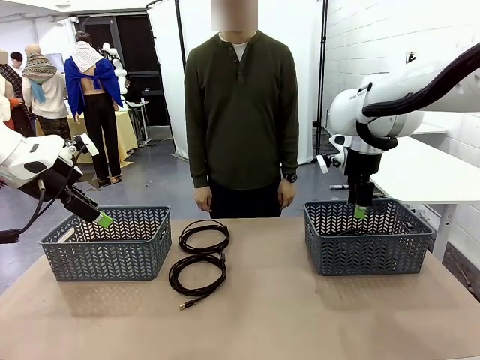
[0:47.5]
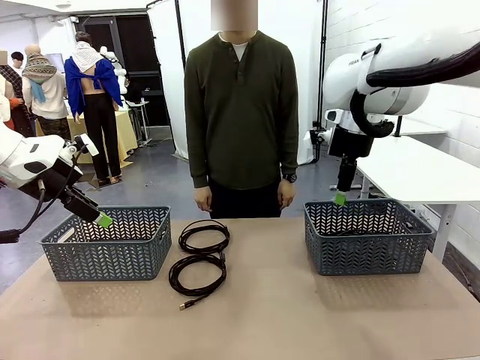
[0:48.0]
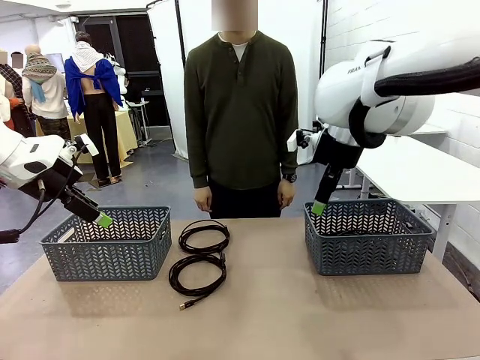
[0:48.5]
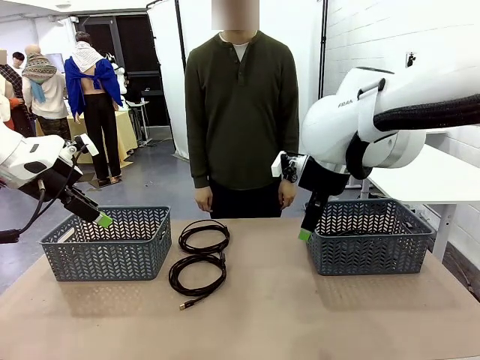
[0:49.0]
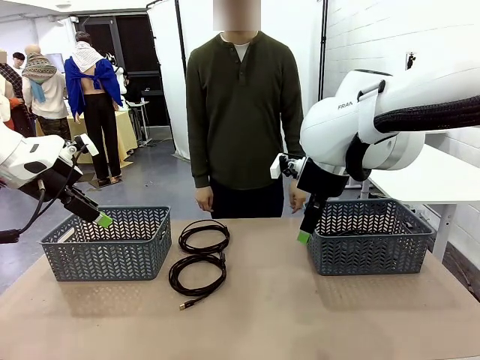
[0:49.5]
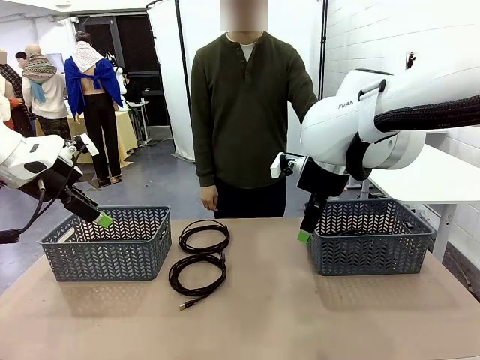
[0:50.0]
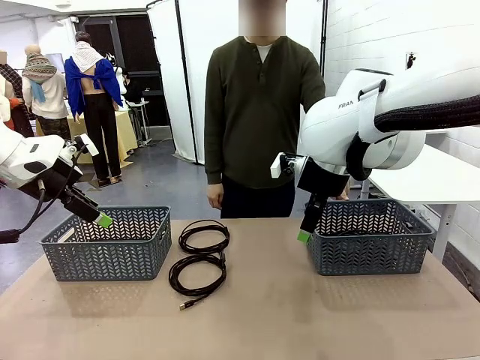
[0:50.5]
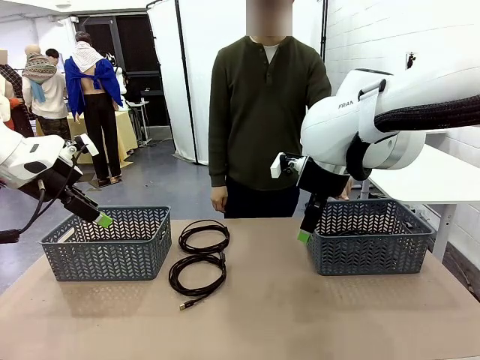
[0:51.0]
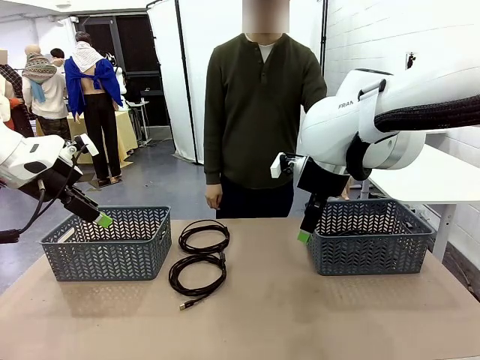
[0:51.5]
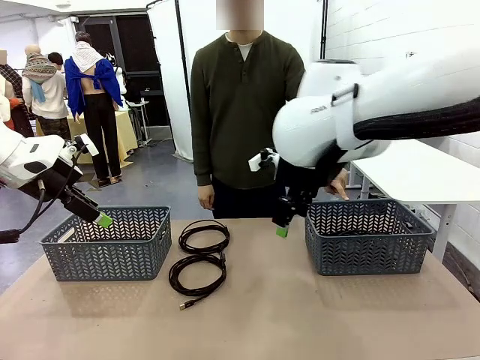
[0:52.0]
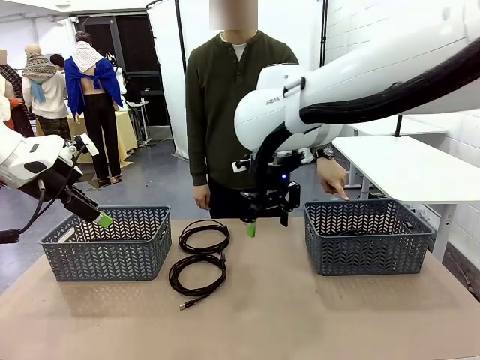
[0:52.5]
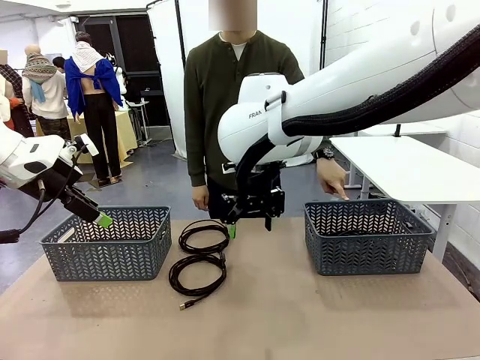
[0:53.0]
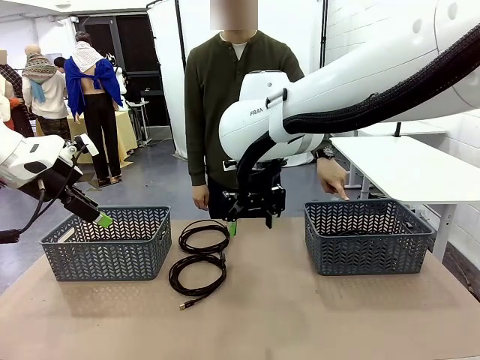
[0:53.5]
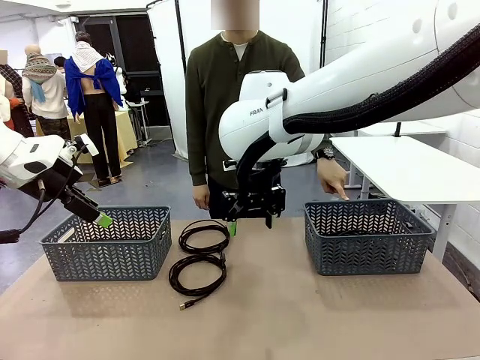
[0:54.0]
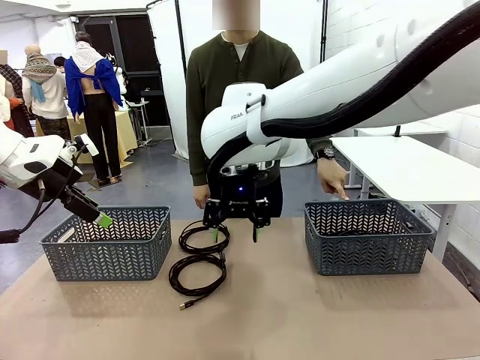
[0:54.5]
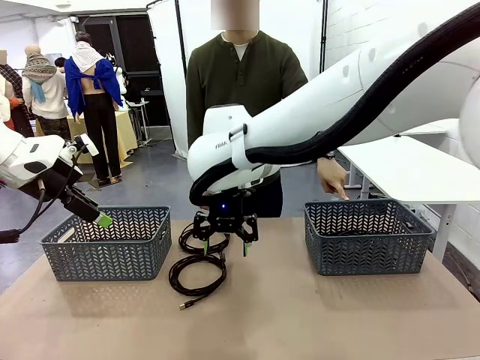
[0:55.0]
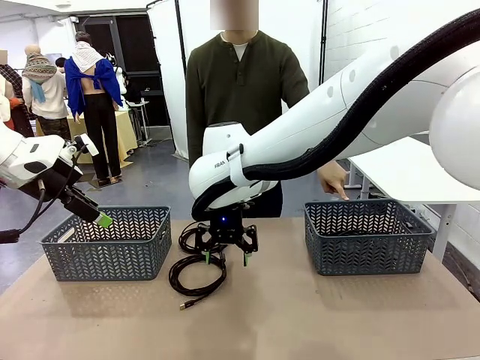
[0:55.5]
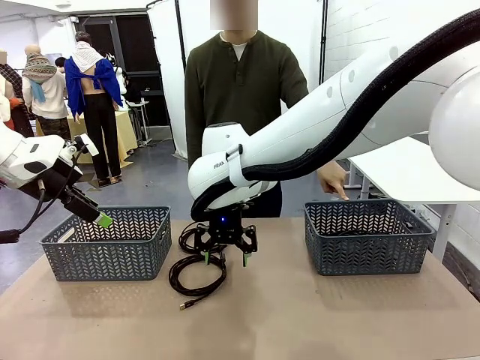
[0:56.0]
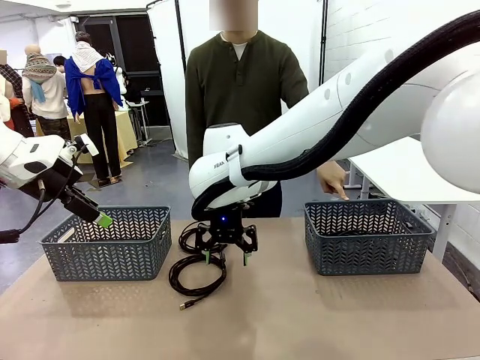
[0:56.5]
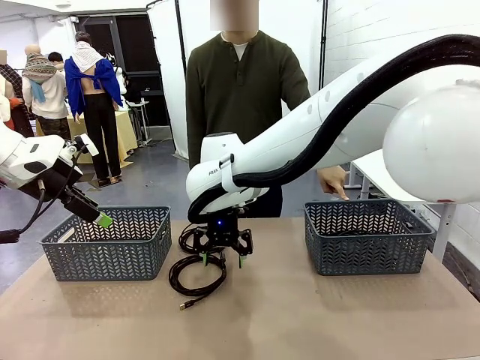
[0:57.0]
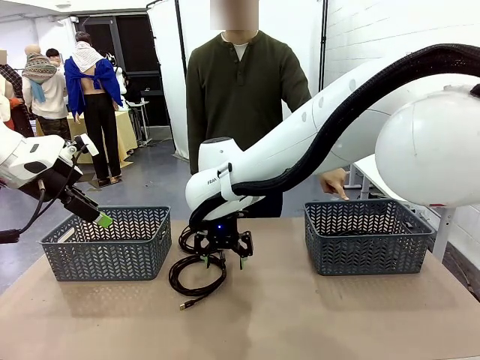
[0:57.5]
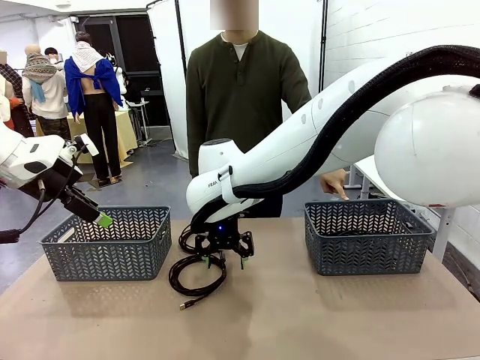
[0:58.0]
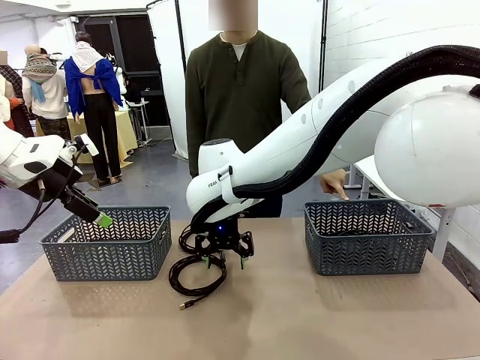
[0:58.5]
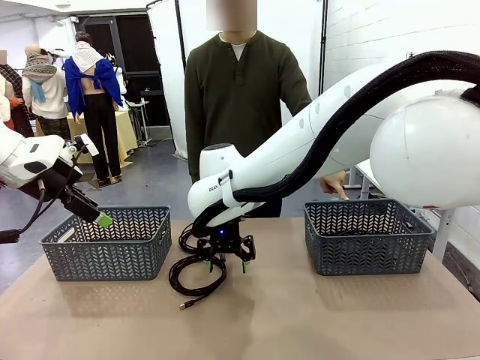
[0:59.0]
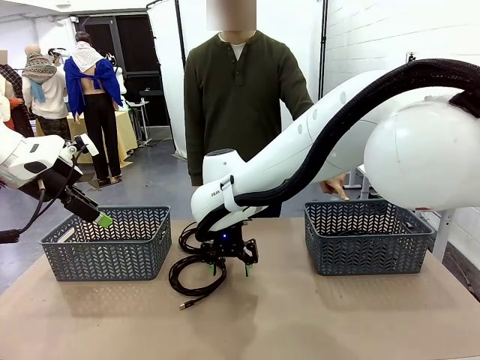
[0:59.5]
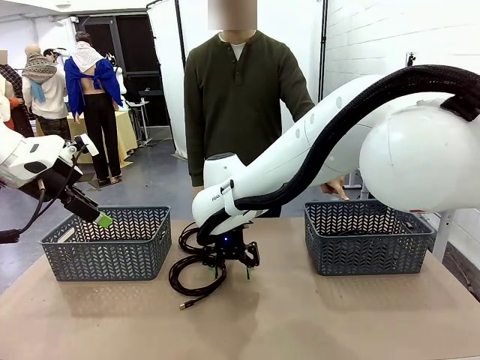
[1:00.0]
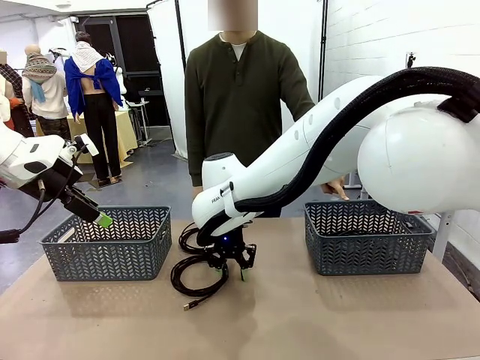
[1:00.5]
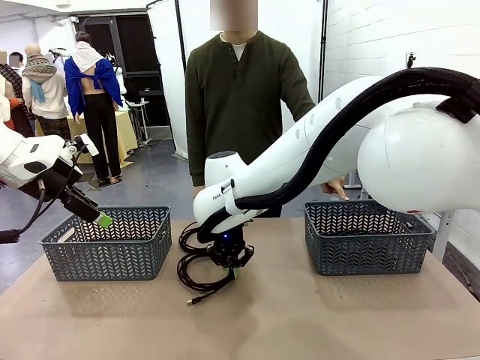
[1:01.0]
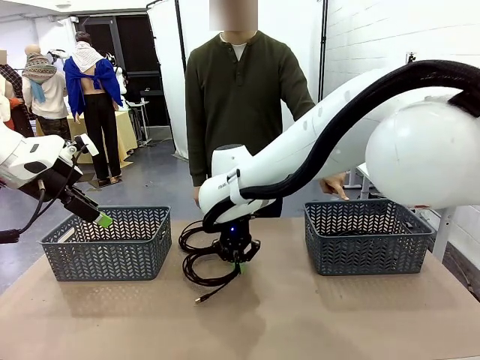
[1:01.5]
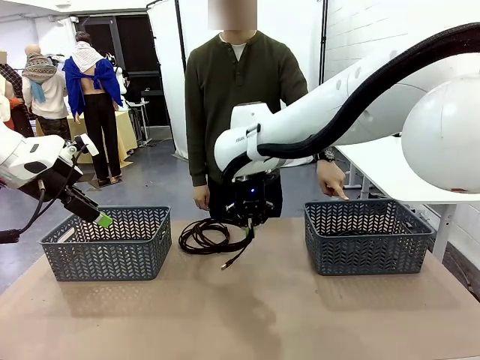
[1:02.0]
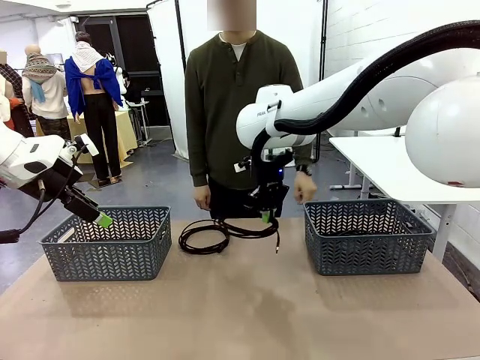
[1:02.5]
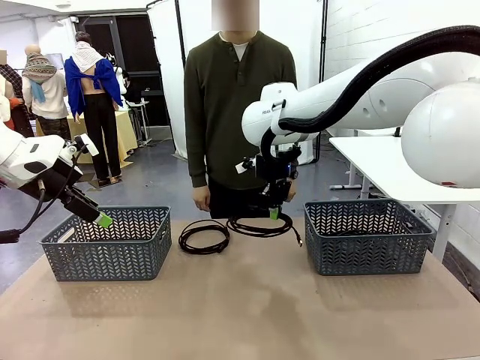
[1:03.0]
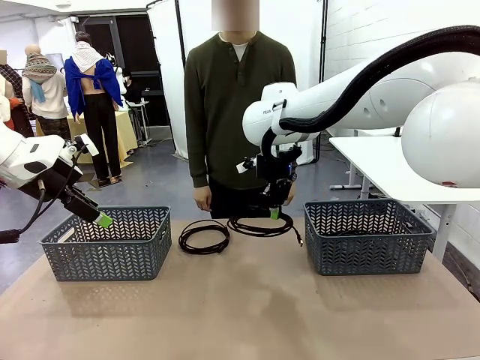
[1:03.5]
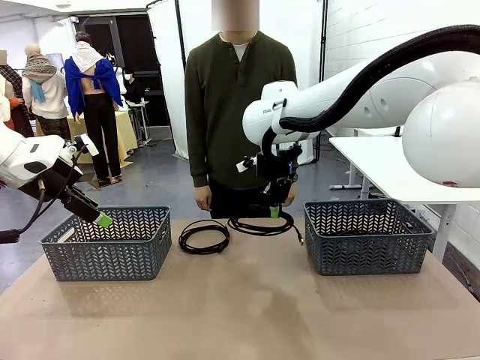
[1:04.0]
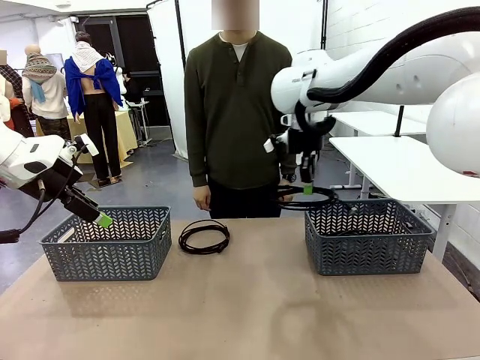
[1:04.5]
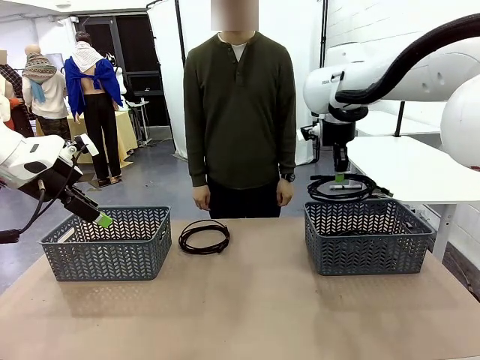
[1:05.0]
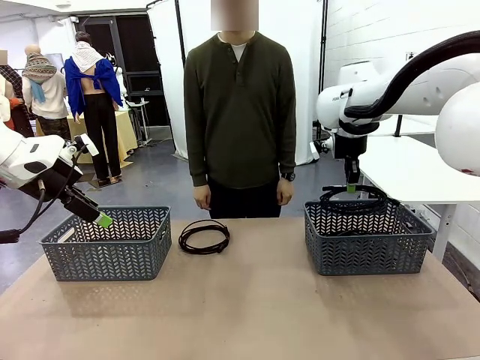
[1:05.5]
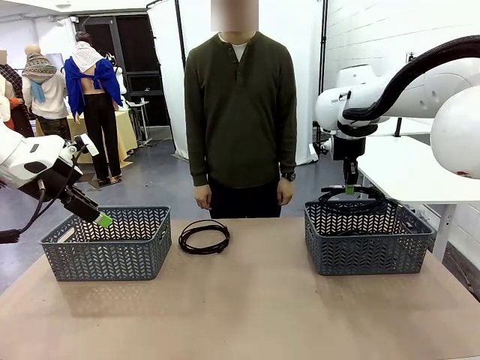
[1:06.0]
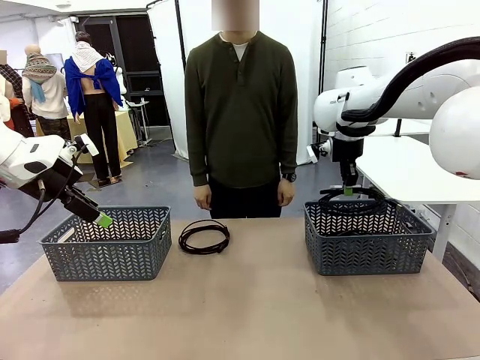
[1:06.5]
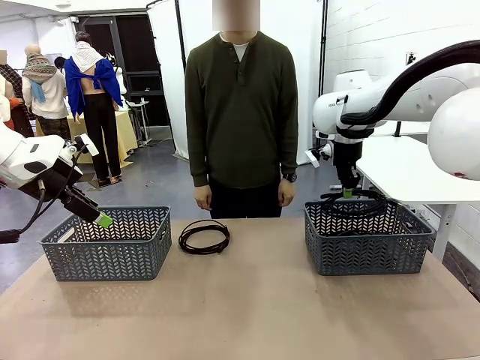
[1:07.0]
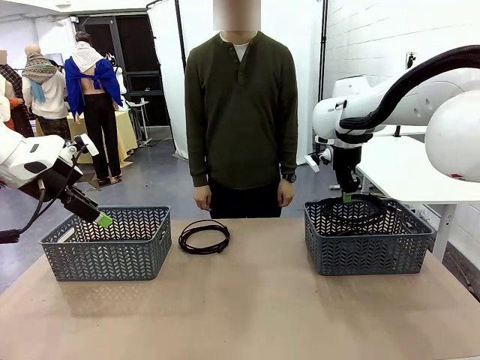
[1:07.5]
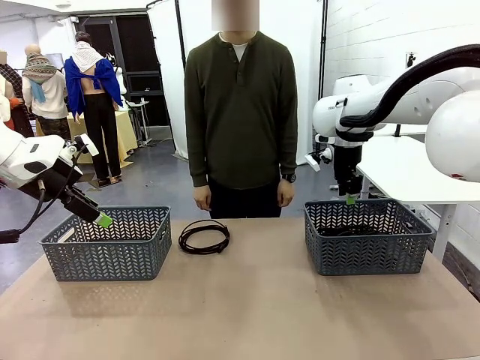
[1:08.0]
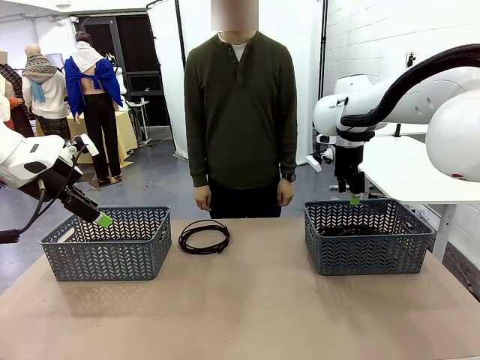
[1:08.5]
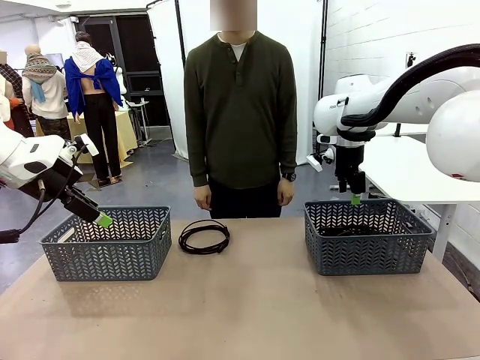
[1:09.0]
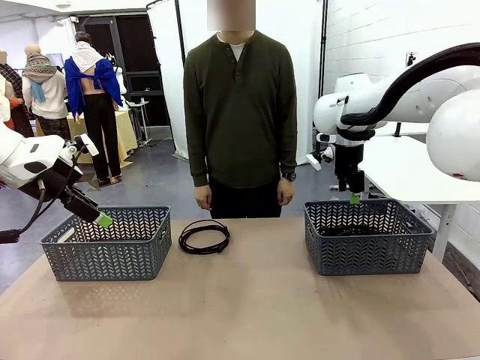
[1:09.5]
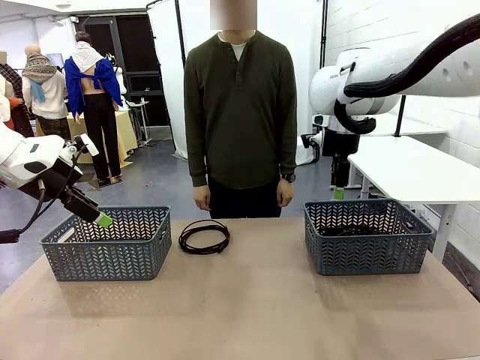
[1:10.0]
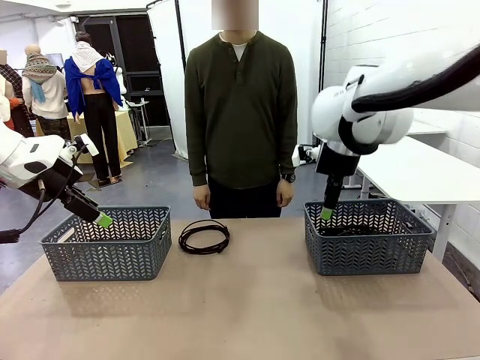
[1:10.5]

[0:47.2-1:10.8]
Task: Organize the cables according to human instructions.
Robot: Pick up a bundle of cables and place it in the basket indicated by the human.

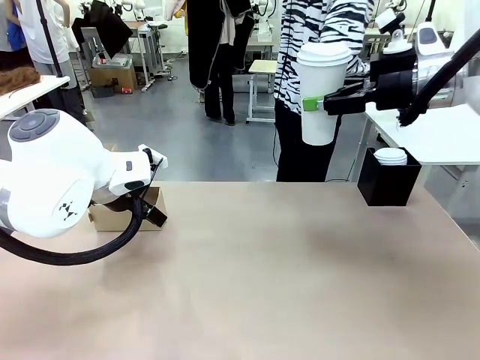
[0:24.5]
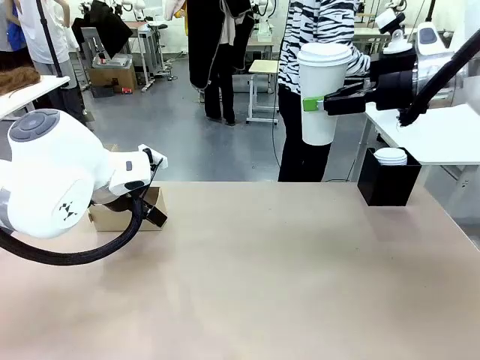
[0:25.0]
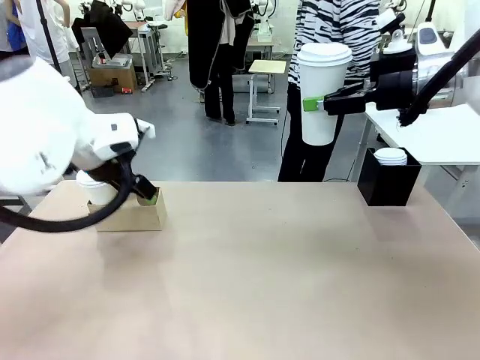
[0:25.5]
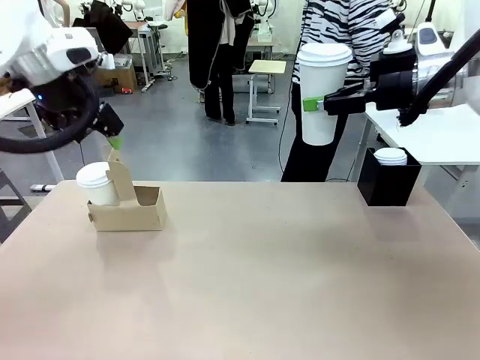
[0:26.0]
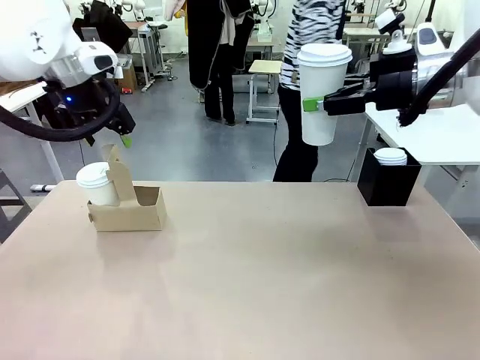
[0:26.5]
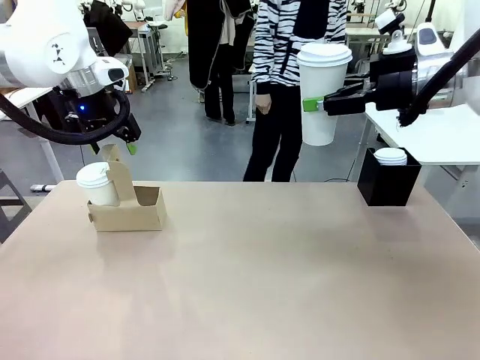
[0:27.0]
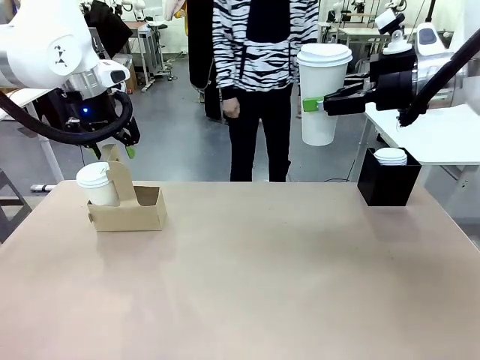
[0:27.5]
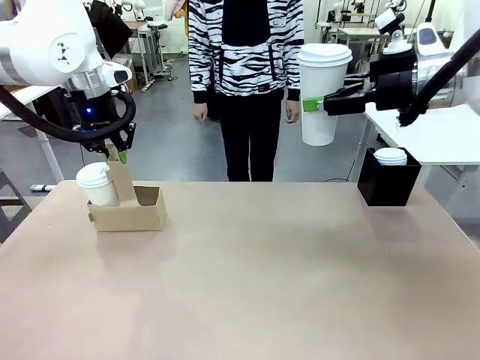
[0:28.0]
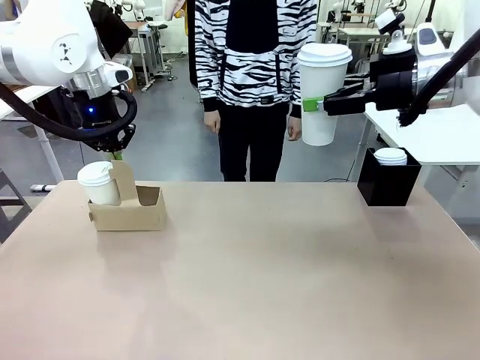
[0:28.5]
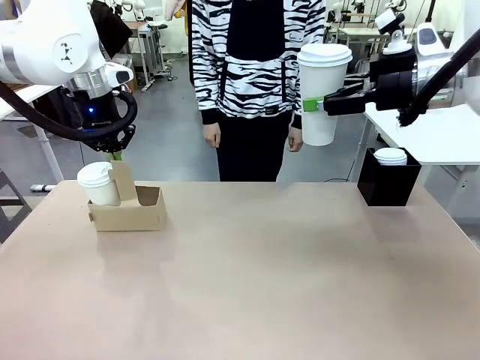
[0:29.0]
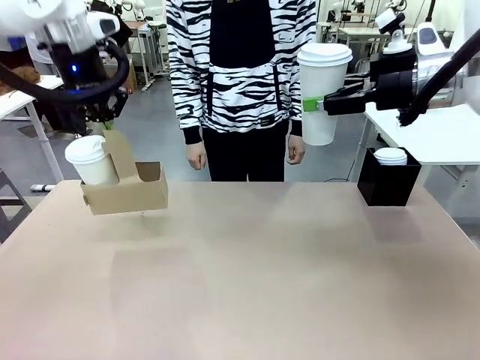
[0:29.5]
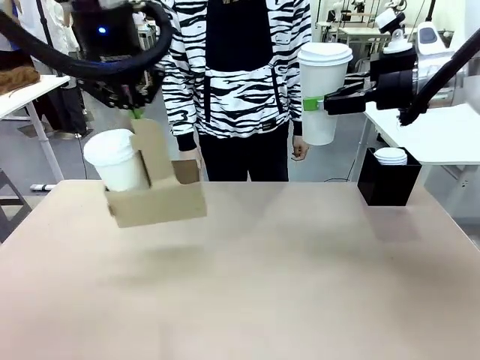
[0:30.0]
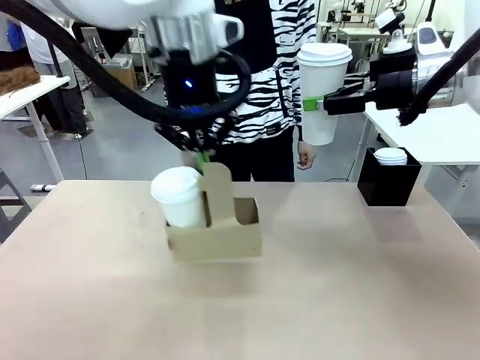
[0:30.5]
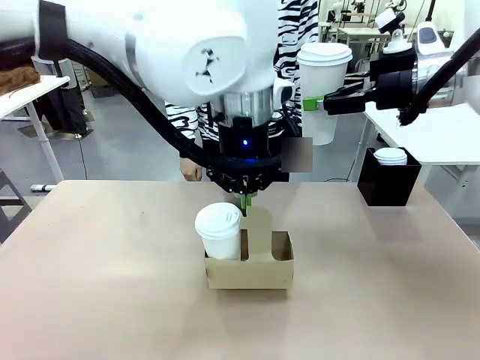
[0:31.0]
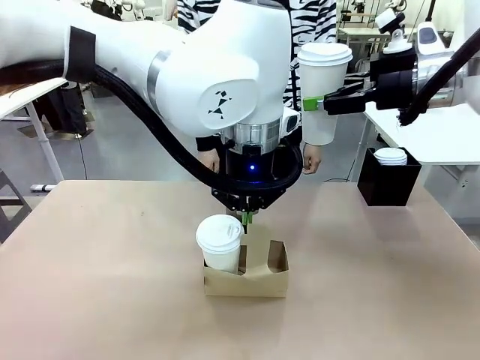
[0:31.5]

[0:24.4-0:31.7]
Task: Pour a drink into a cup and package it in a carrier.
Robot: Position the Cup Carrier in the center of the table.
Person: Pick up the Filter Brewing and place on the middle of Human table, and return to the Robot table.
